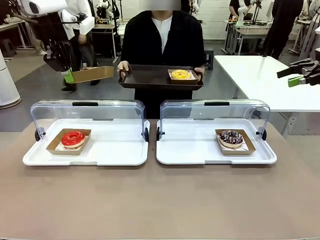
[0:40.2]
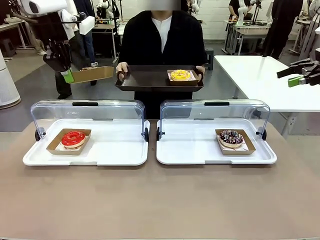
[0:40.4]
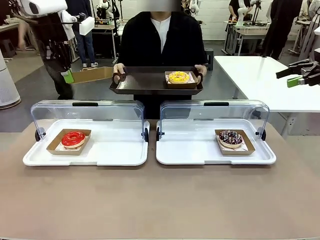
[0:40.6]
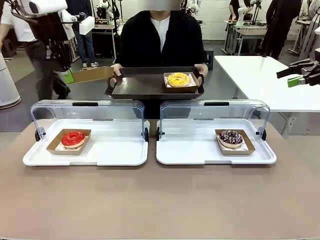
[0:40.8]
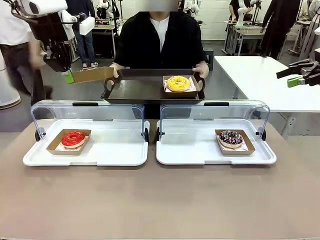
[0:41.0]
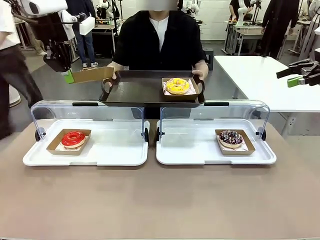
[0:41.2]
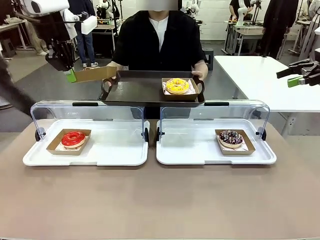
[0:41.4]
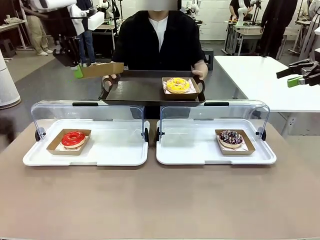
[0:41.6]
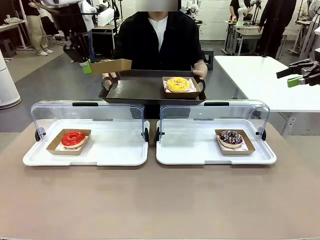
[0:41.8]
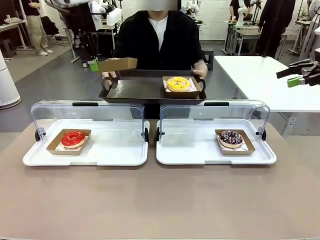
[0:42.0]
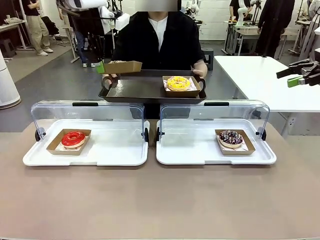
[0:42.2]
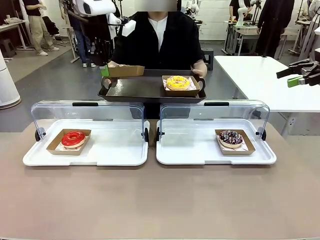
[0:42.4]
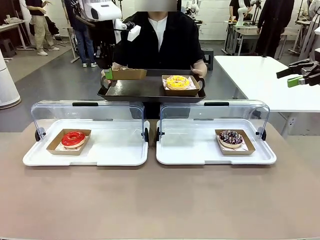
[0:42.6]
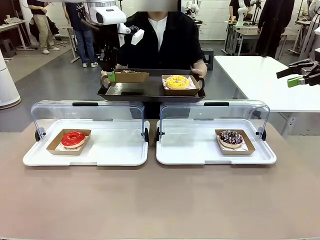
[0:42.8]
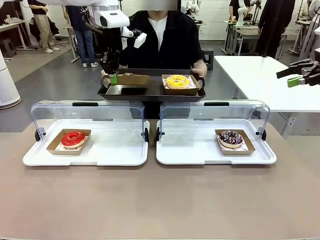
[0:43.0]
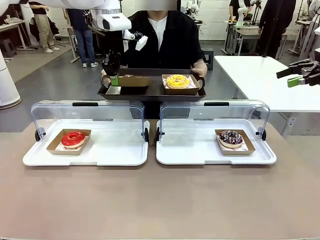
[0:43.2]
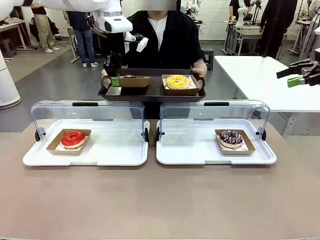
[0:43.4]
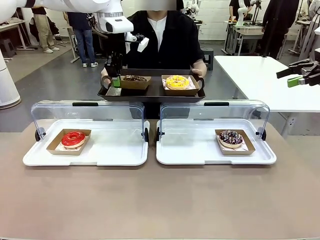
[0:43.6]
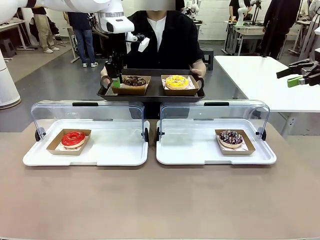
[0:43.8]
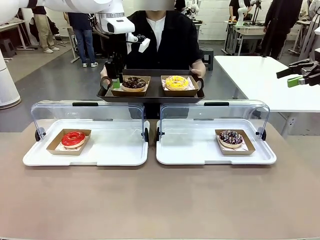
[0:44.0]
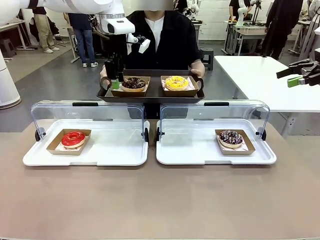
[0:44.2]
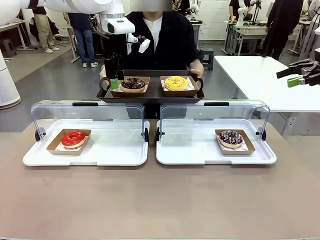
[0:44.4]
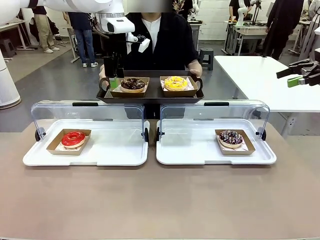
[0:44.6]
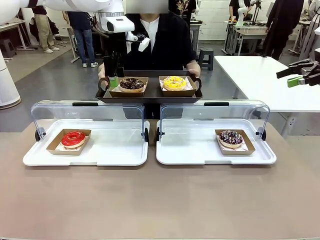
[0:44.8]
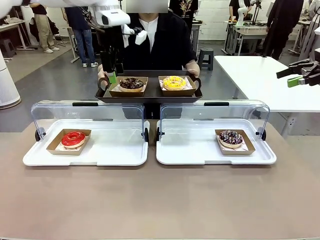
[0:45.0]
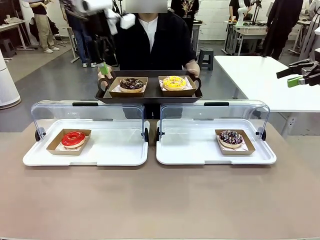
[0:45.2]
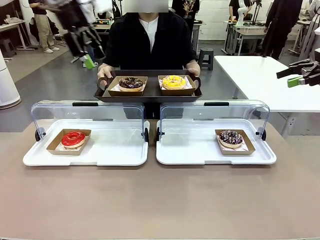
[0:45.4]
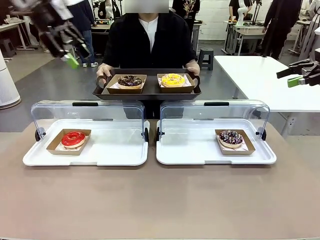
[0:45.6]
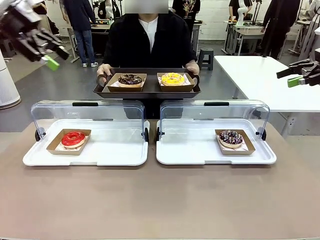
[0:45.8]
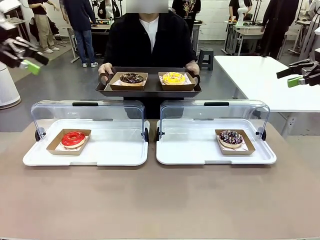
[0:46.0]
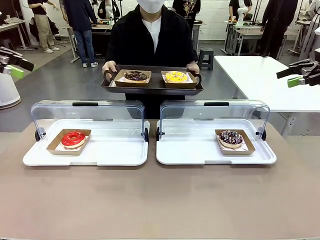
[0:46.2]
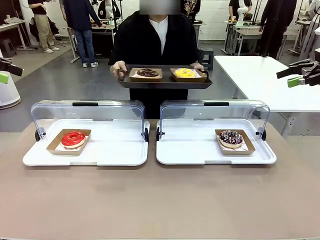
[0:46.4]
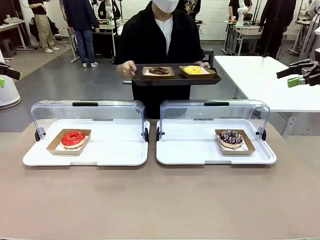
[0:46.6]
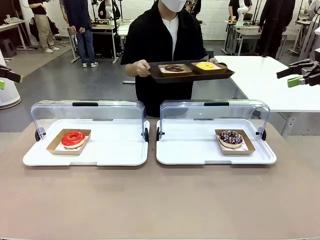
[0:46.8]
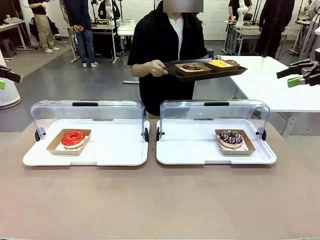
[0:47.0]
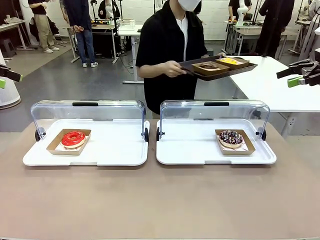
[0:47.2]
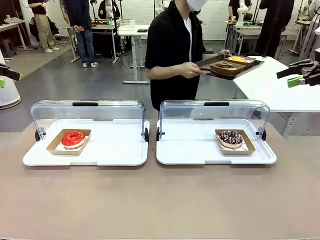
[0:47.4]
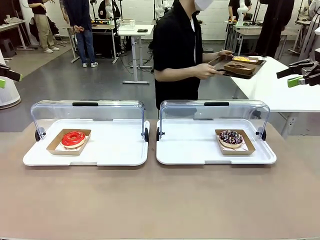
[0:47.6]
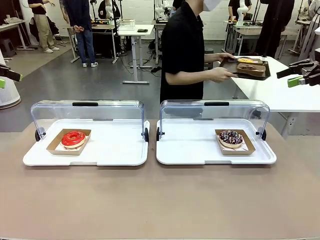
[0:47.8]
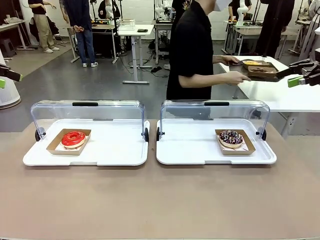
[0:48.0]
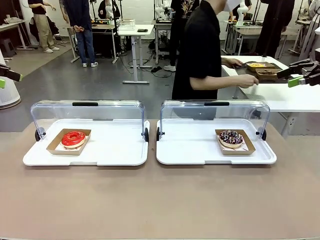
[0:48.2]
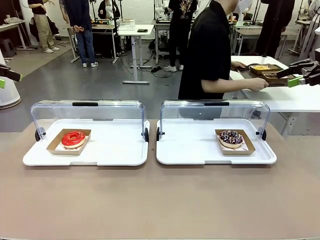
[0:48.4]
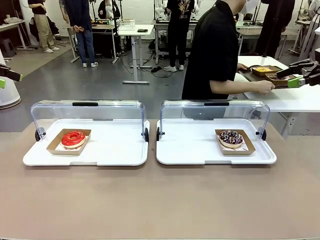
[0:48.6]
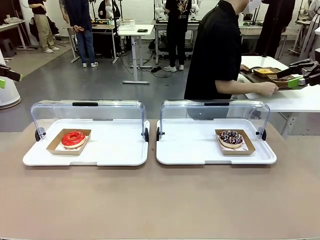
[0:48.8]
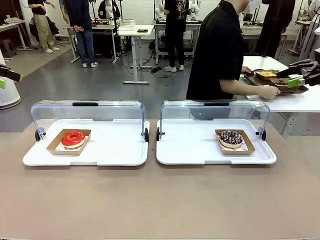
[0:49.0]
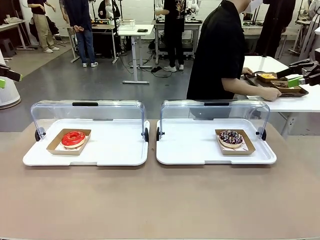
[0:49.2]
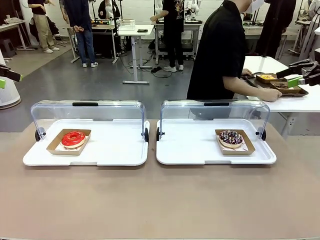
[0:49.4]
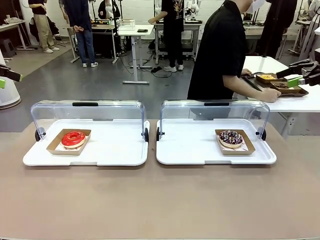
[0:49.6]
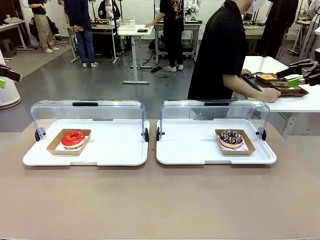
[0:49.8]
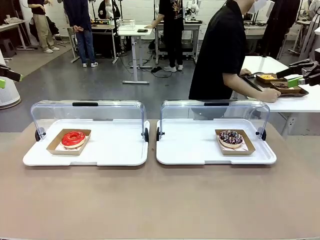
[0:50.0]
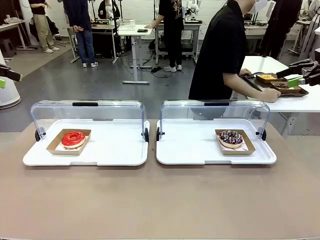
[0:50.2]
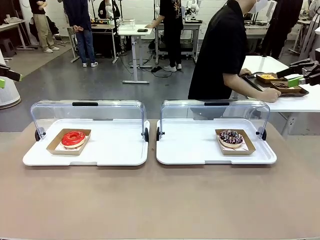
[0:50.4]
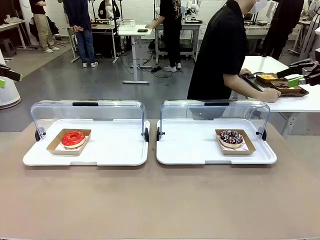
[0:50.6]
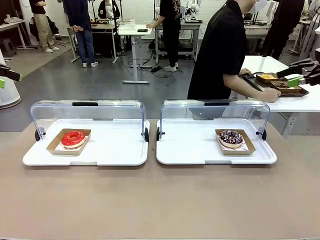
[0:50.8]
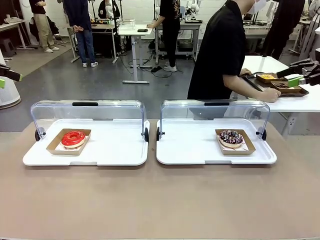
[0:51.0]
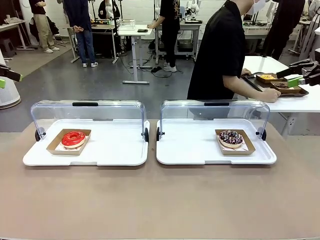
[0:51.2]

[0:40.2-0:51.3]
Task: Provide the desired donut to the person.
Robot: Place the picked Paper togo box onto the Handle tray extended by the person.
Person: Place the tray in the middle of the human table.
